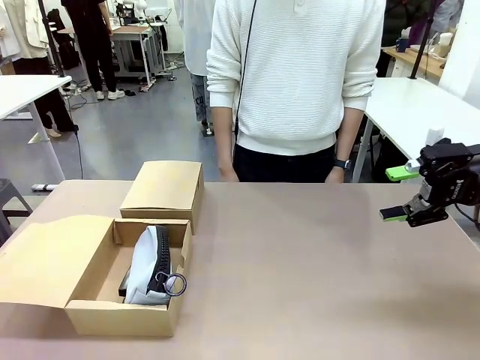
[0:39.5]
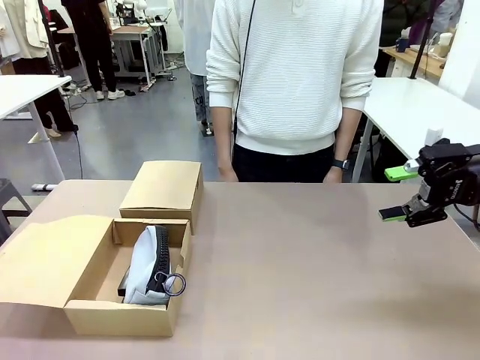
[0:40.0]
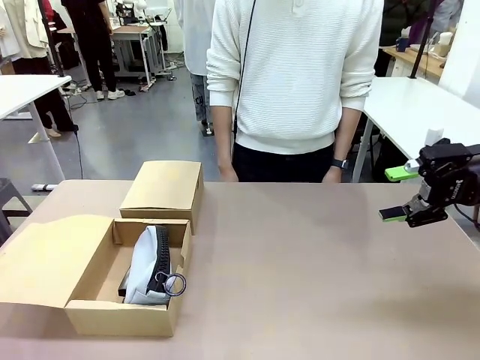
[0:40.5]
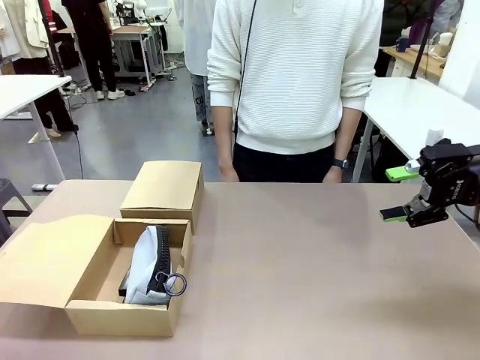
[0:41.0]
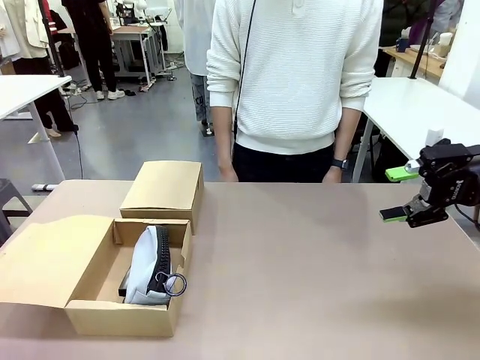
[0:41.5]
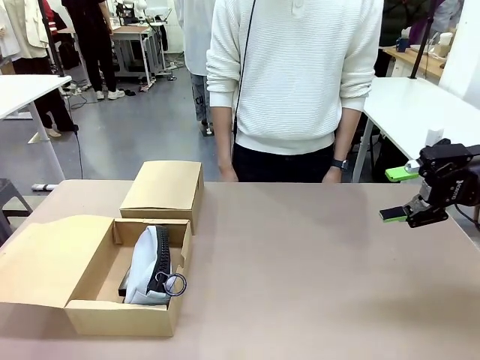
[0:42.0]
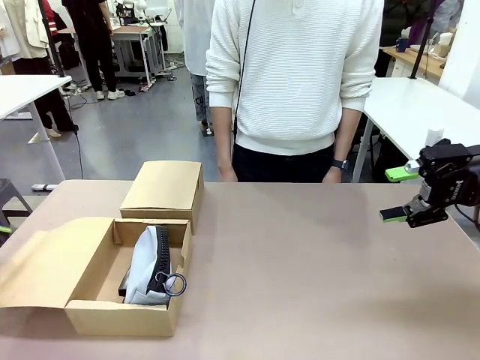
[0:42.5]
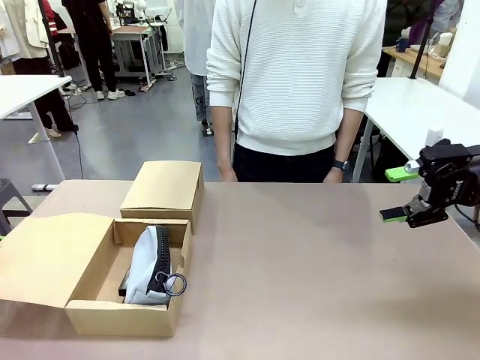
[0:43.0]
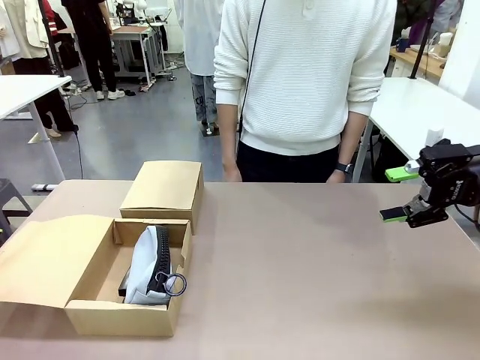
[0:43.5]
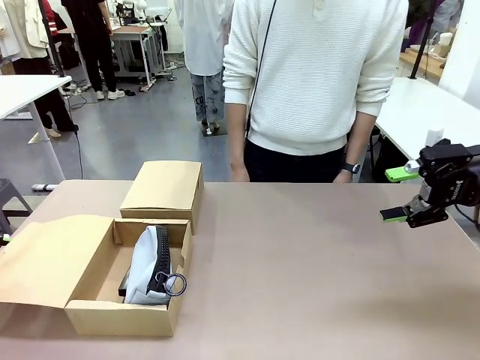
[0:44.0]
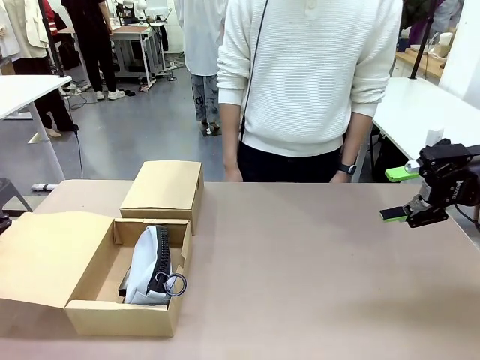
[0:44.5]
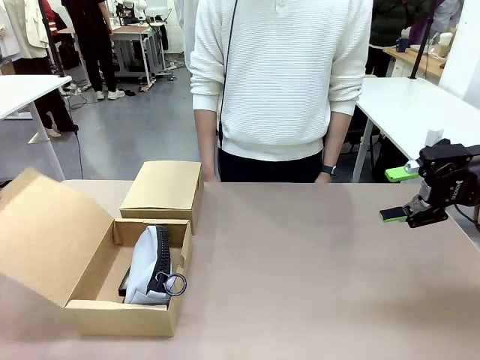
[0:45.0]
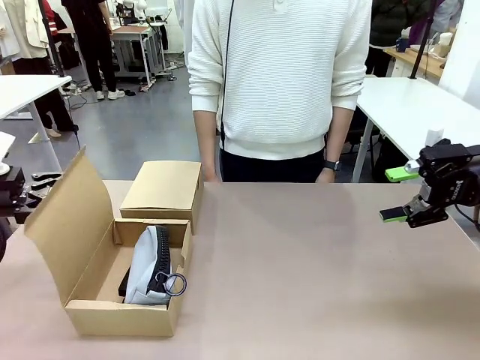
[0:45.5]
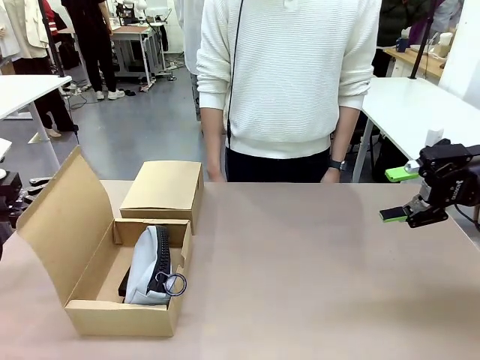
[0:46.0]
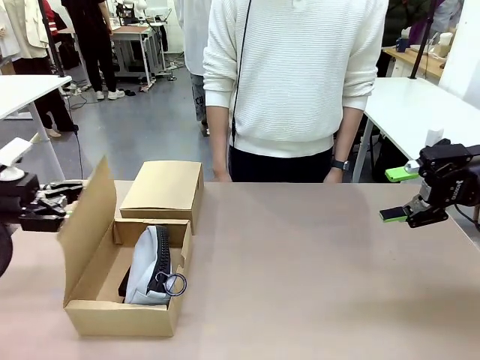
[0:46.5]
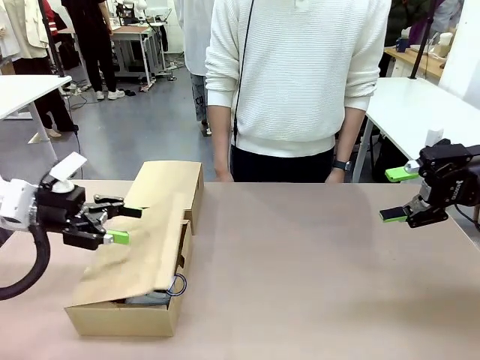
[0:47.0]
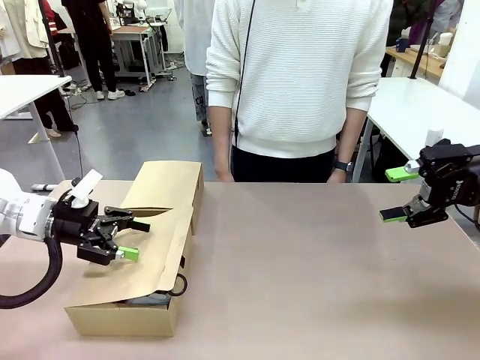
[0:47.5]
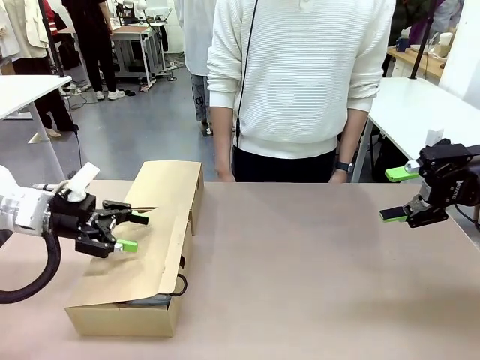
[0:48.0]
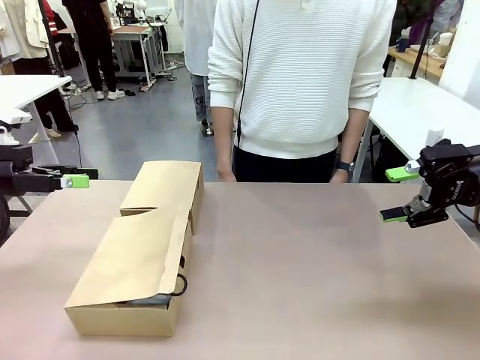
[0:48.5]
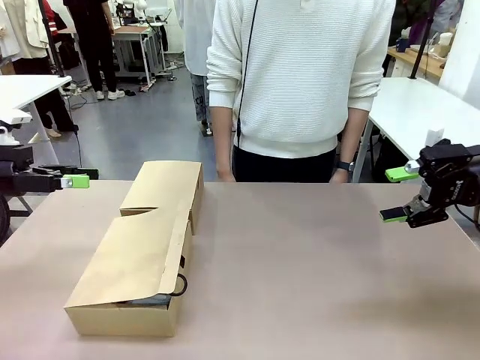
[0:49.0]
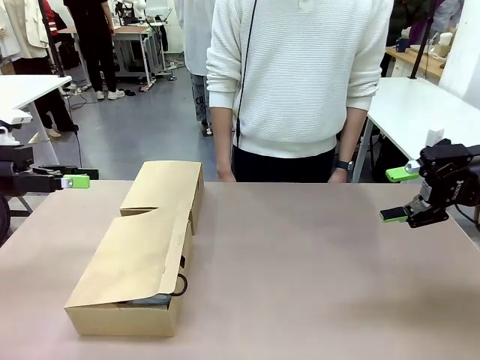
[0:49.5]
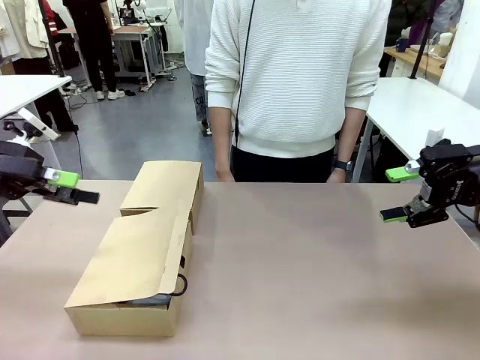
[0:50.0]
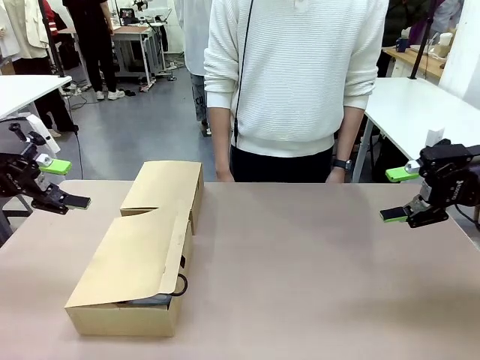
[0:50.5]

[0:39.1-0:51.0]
Task: Place items inside the box.
Robot: Close the lid of the Mailer Box closest to the robot.
Person: Close the lid of the box facing the person.

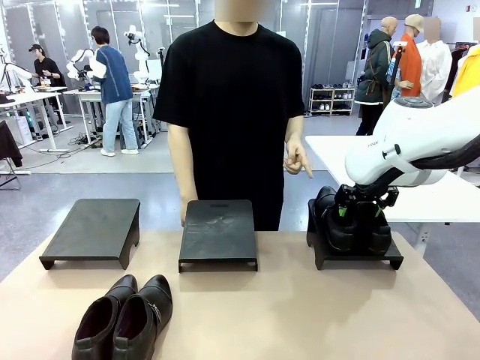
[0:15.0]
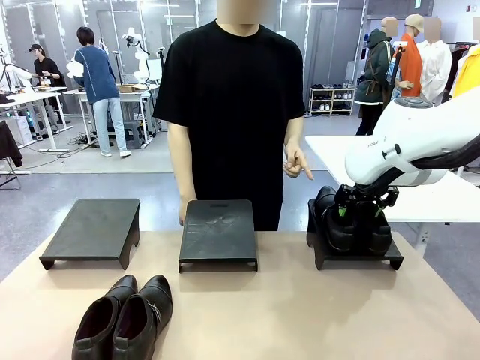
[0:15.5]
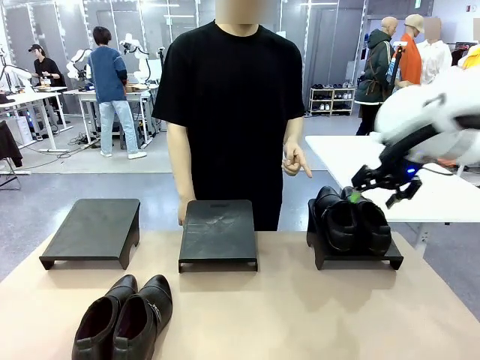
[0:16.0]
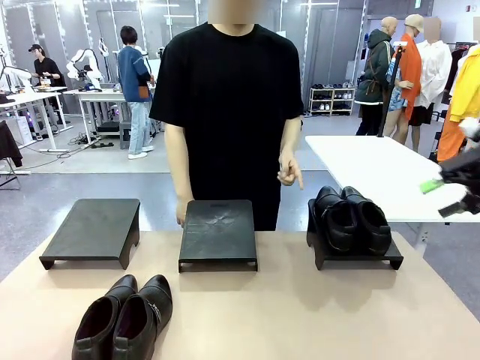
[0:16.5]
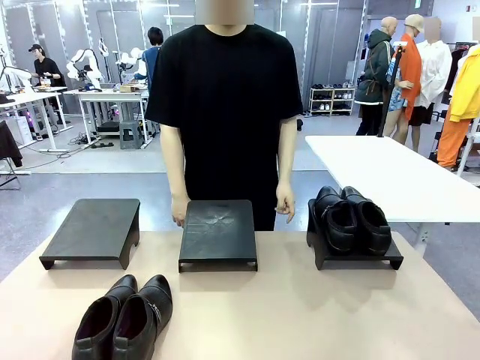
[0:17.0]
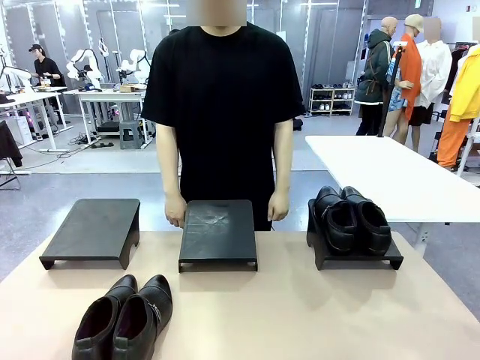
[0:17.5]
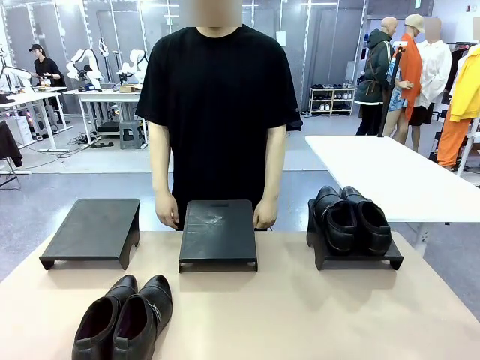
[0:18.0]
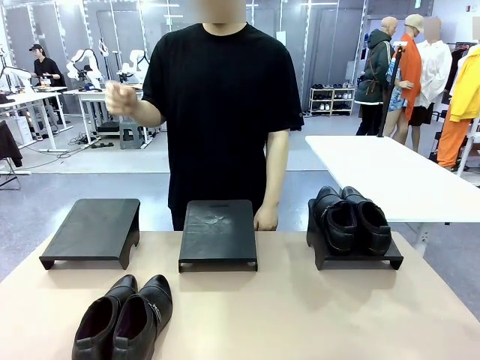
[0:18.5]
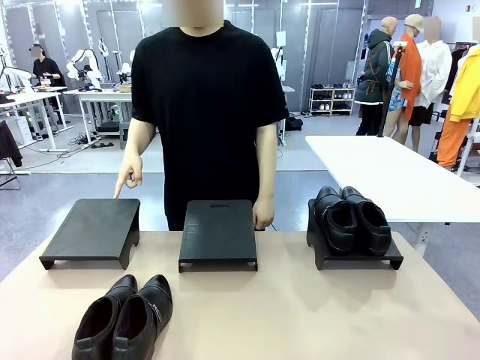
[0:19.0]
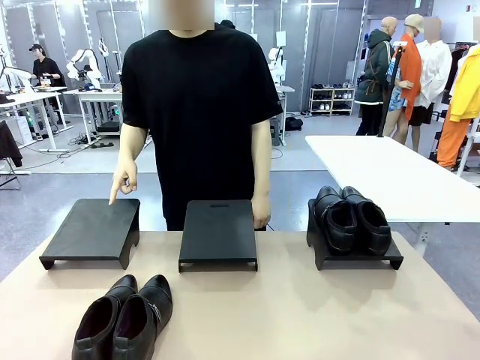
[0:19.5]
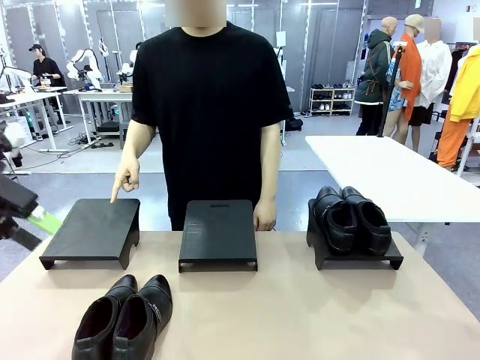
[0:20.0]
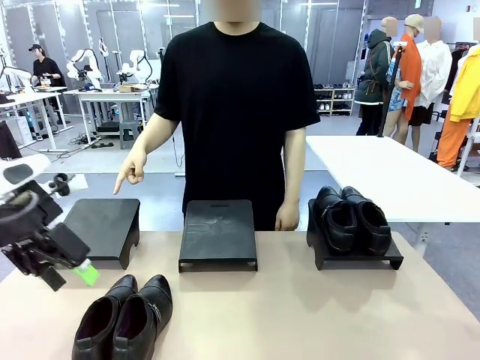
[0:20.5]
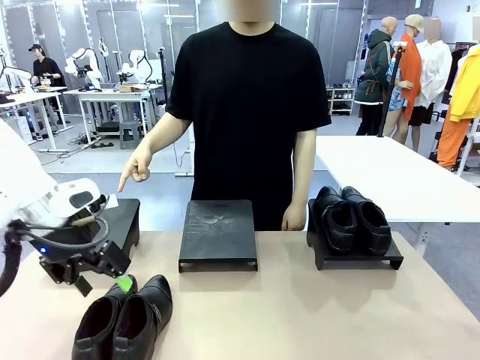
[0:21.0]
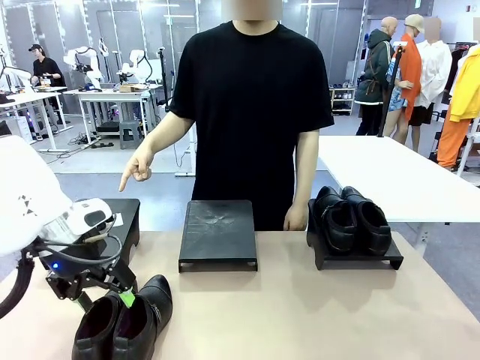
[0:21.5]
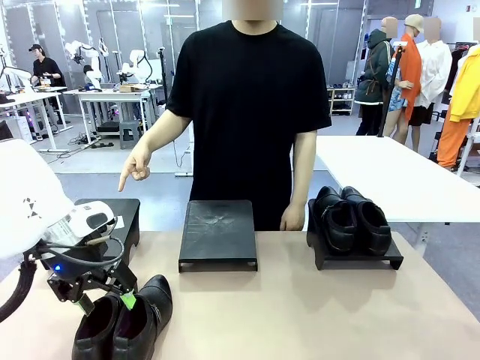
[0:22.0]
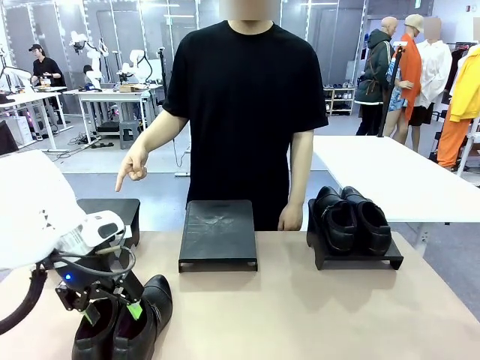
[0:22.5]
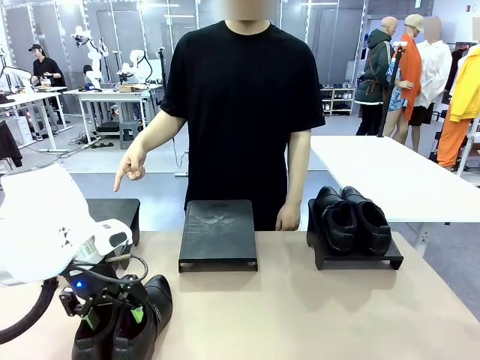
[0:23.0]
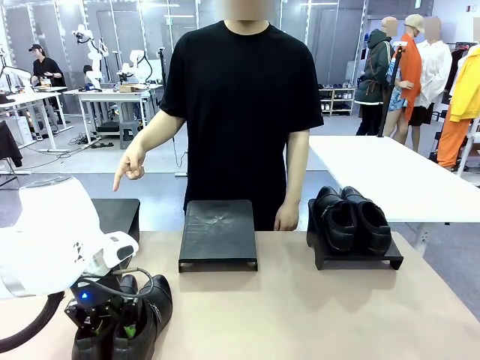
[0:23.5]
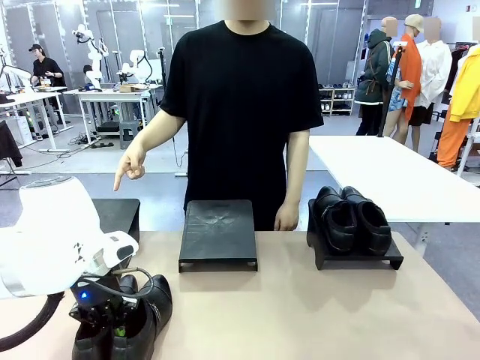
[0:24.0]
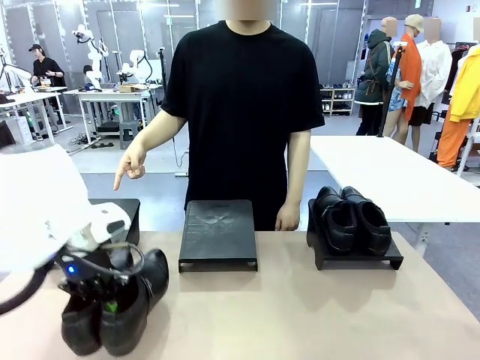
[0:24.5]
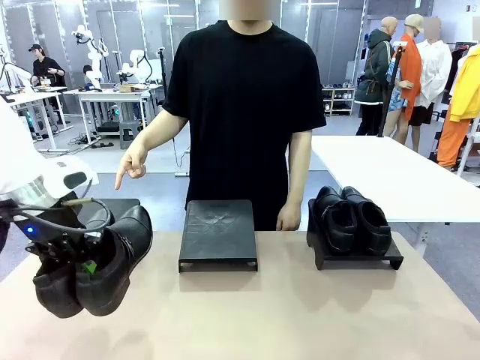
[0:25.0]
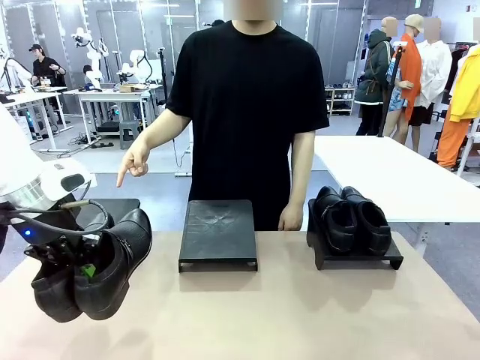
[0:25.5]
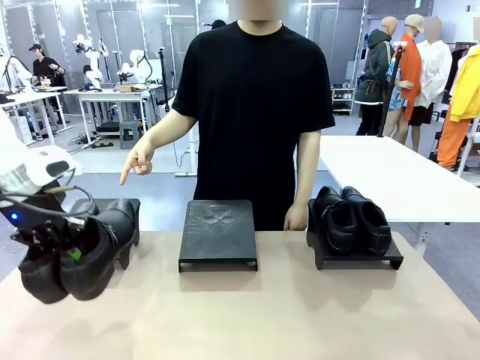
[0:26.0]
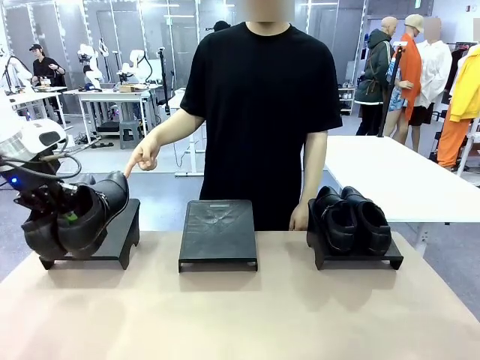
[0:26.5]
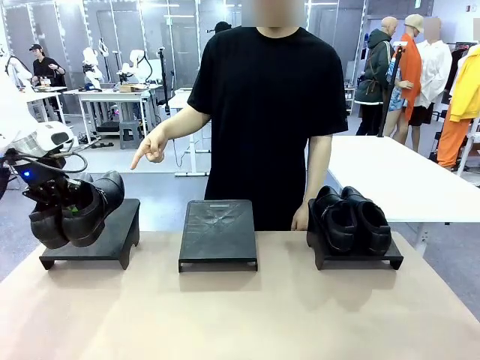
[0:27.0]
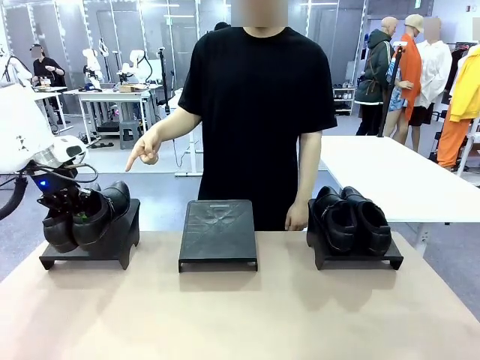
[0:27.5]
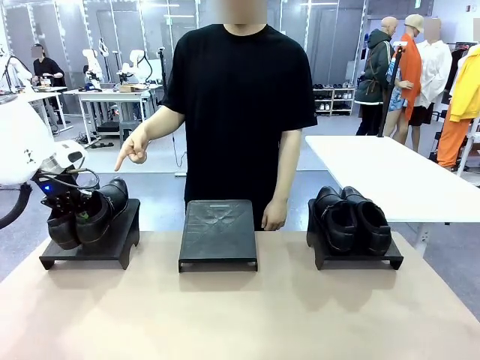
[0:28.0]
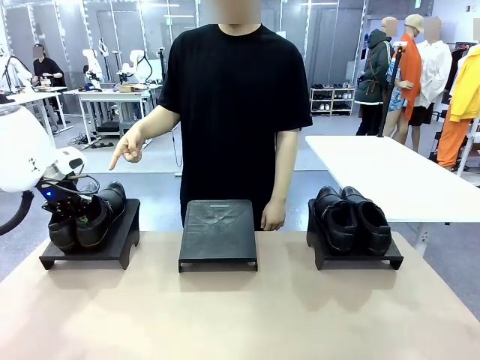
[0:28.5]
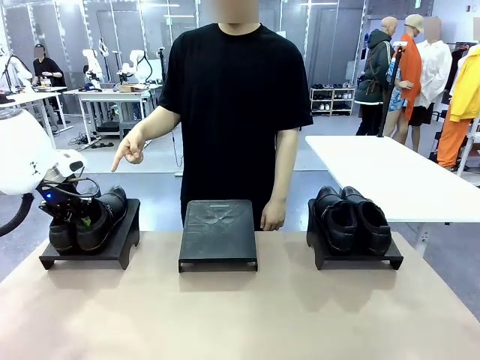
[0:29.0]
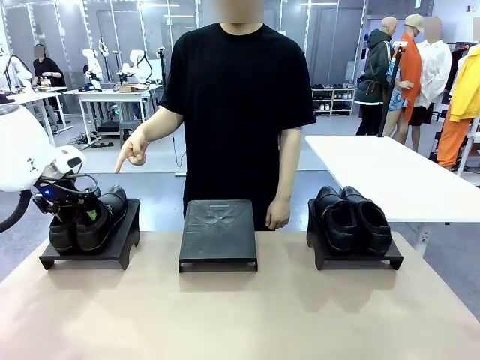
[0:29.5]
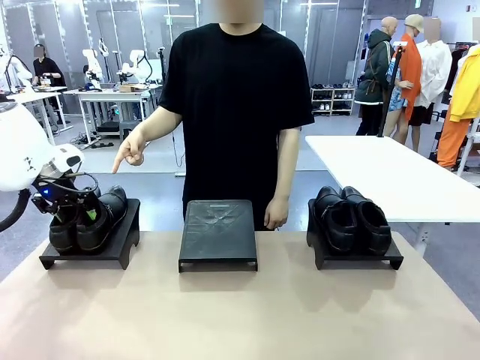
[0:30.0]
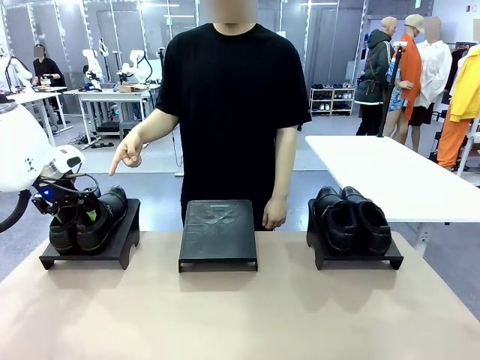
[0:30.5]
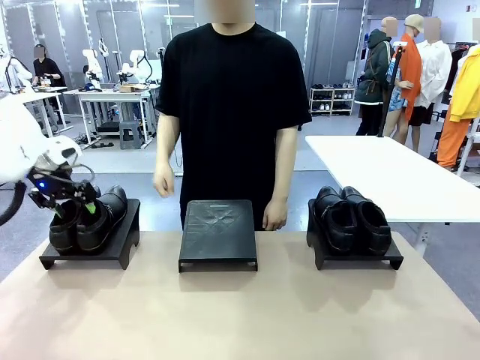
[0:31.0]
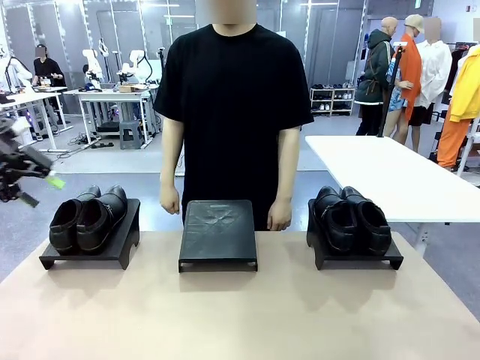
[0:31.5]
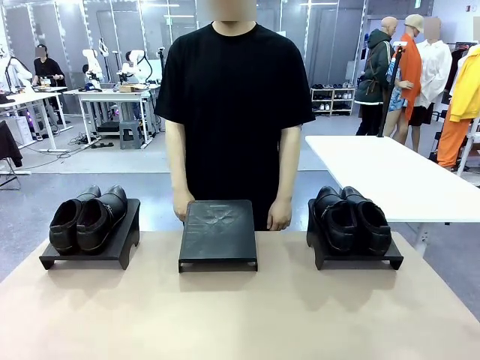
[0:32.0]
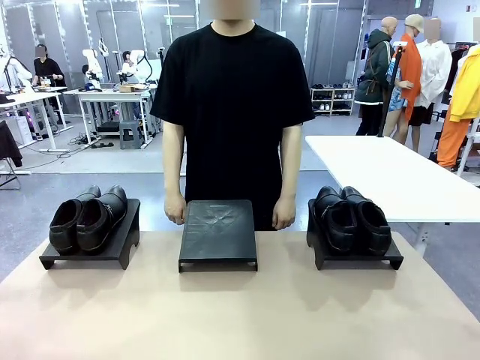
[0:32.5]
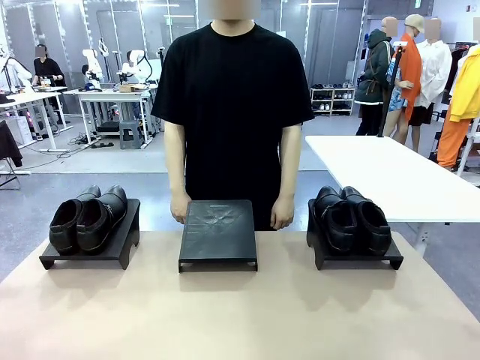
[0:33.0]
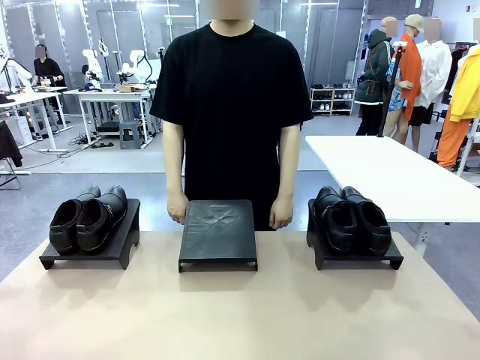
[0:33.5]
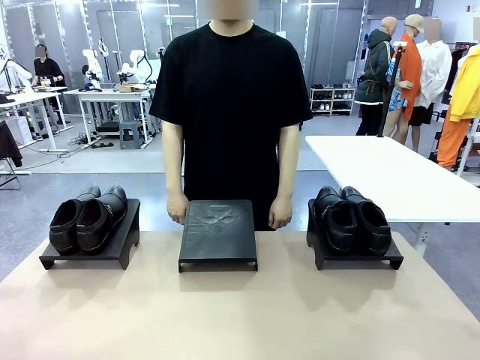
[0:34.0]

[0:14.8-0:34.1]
Task: Place the shoes on the stand as instructed by the person.
Robot: Pick up another pair of Shoes and place it on the Shoes Stand indicated by the person.
Person: Point to one Shoes Stand.
